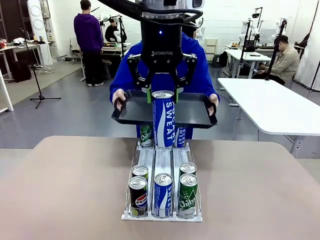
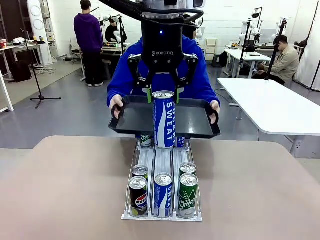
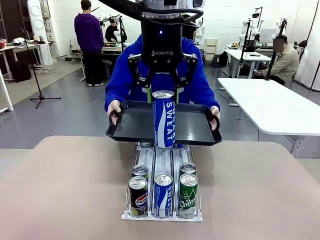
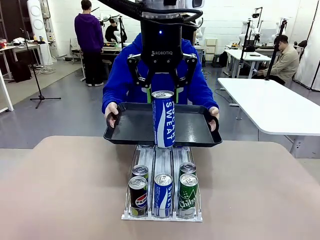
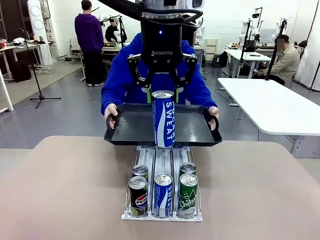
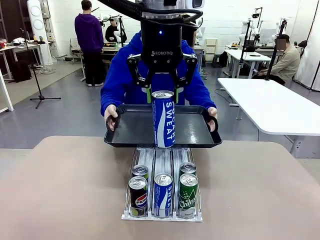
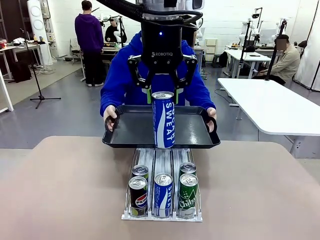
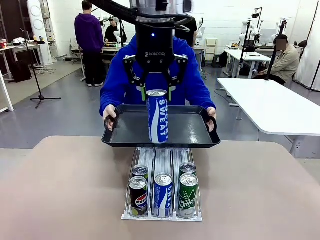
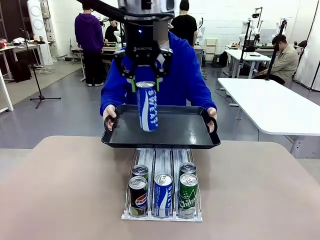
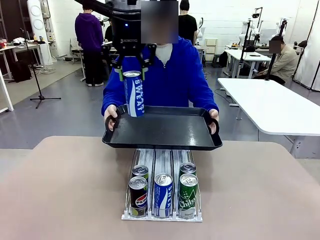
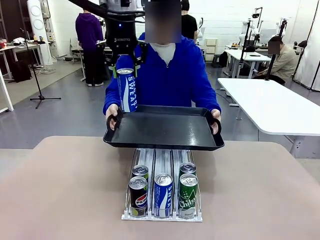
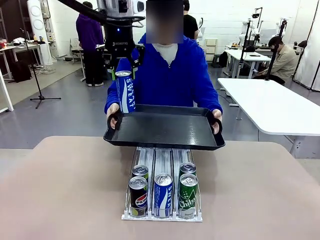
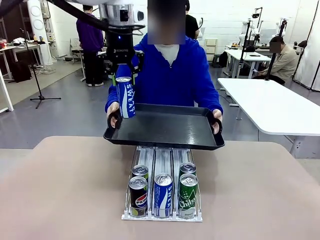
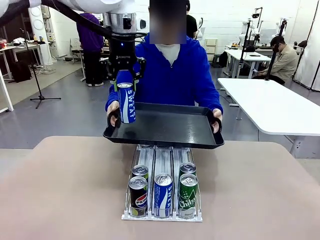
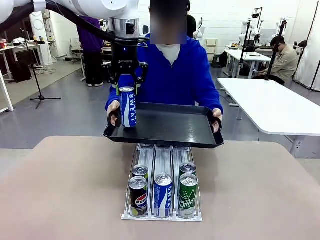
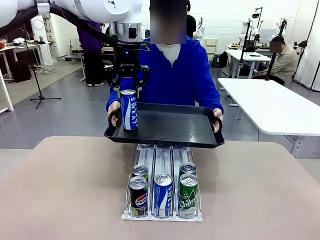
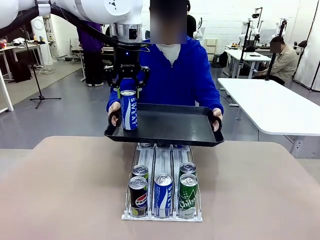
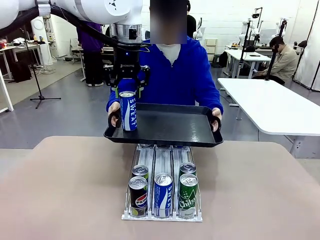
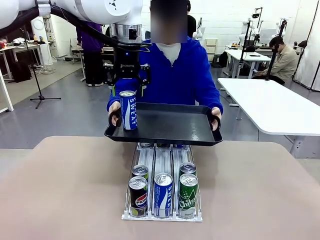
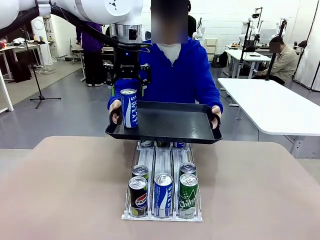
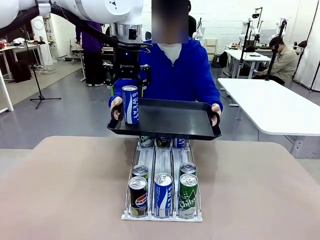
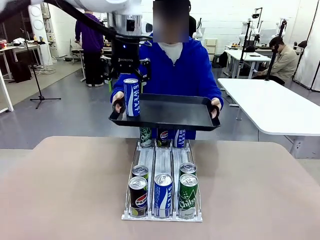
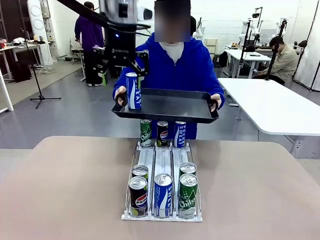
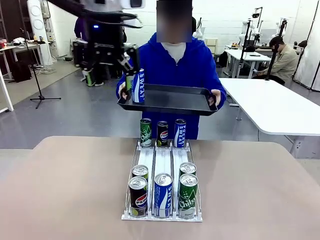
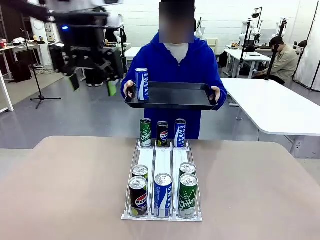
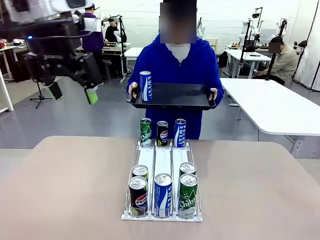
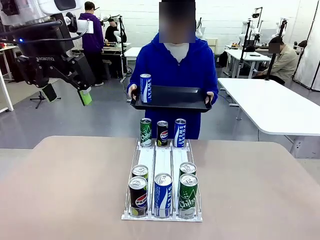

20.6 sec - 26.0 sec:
Task: Retrieve and hand over the desired beverage to the person.
Robot: Place the picked can on the Handle tray extended by the person.

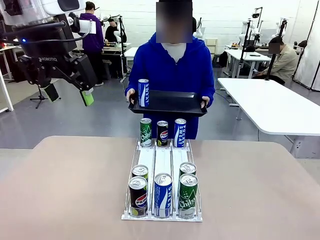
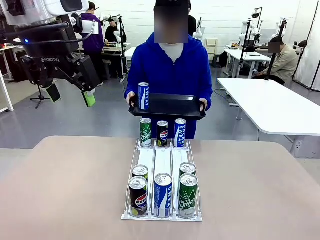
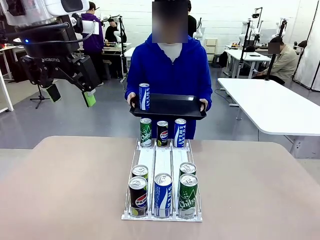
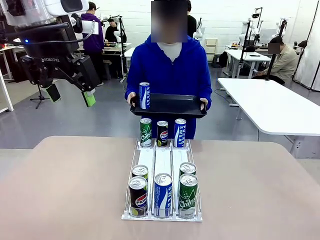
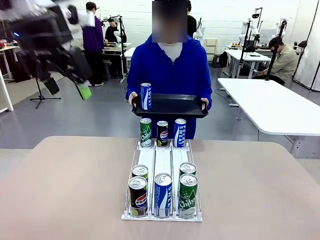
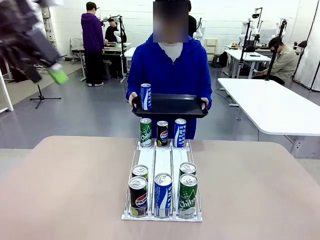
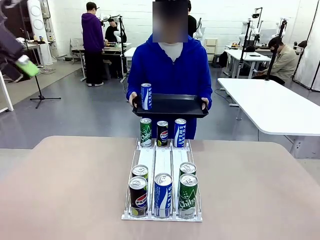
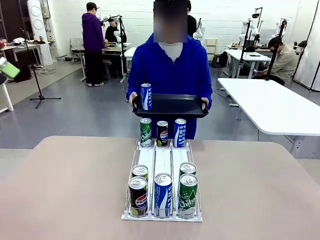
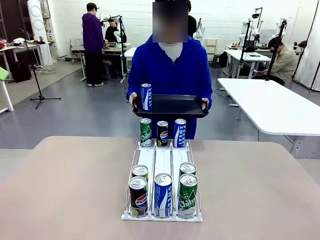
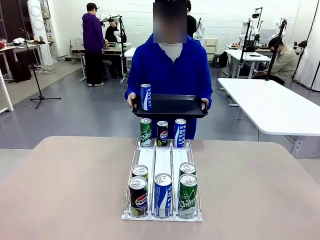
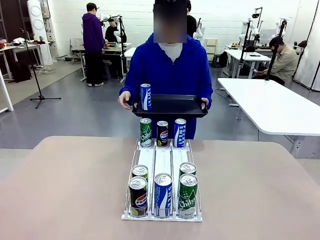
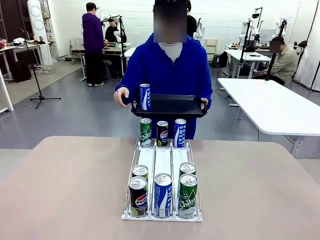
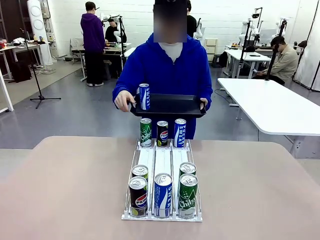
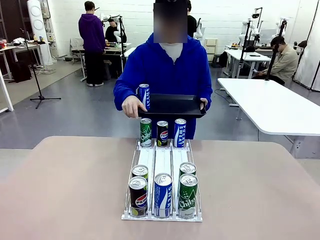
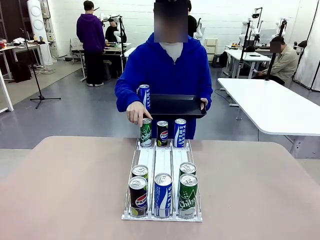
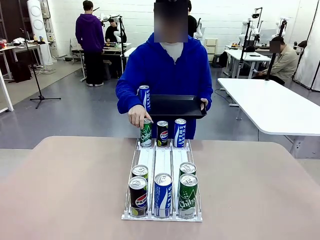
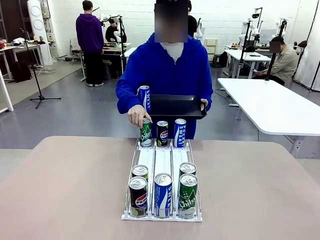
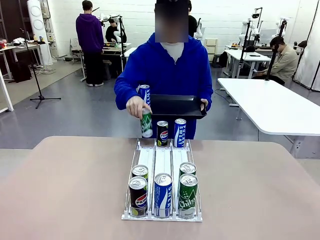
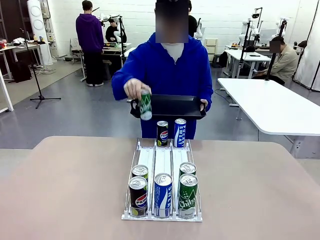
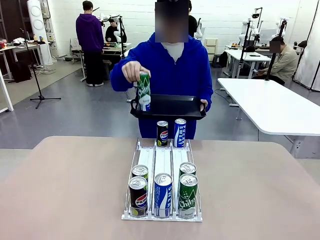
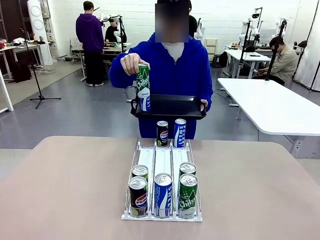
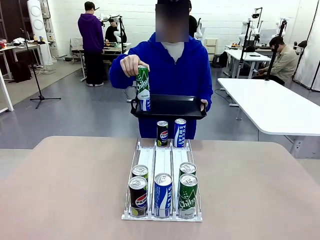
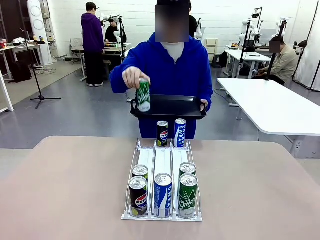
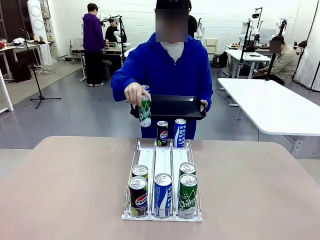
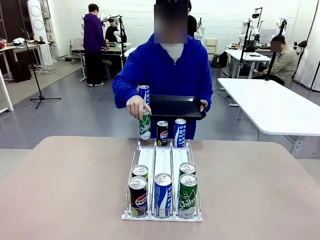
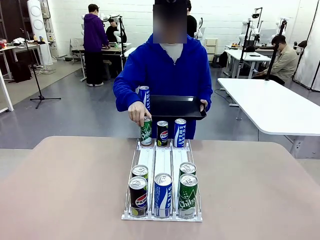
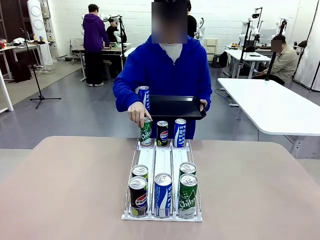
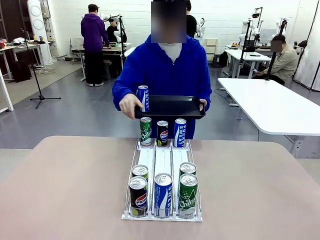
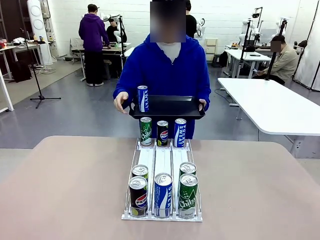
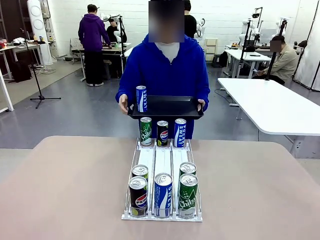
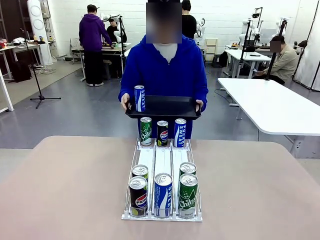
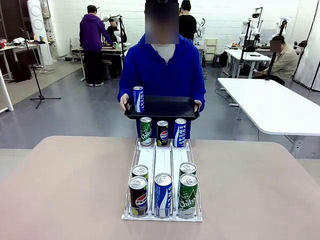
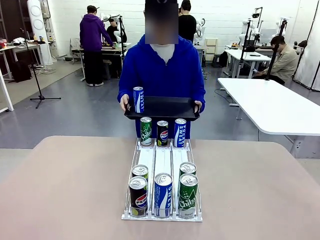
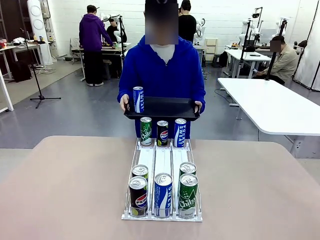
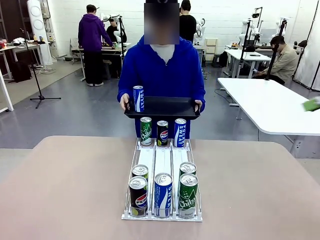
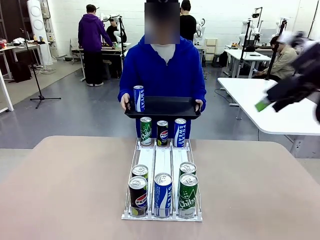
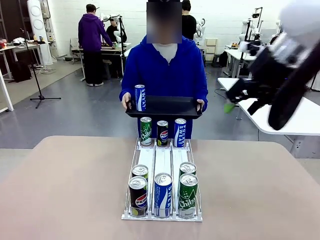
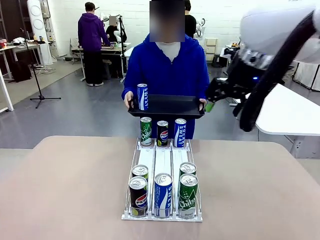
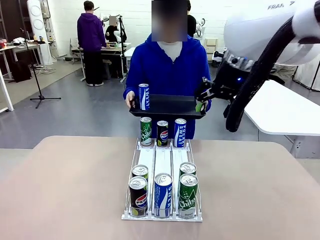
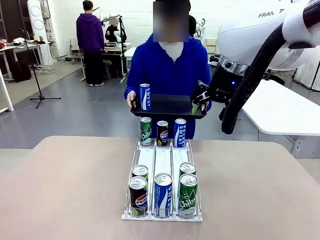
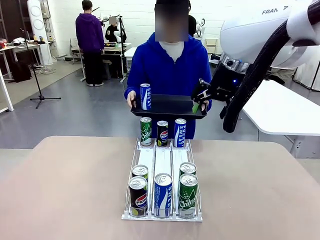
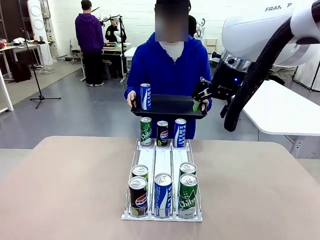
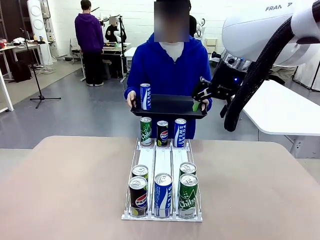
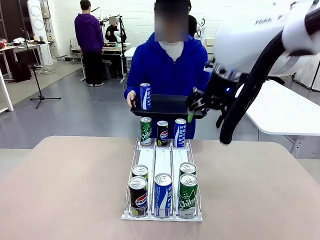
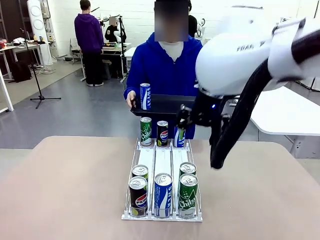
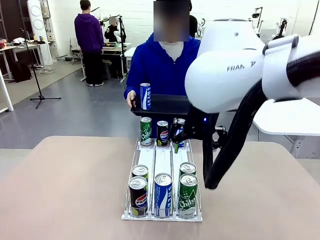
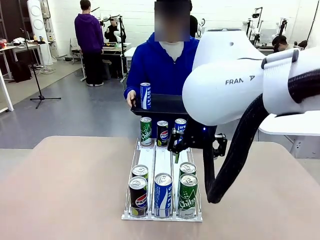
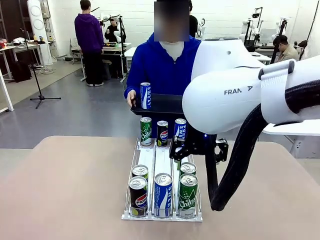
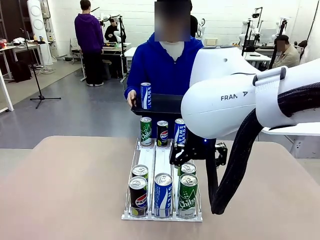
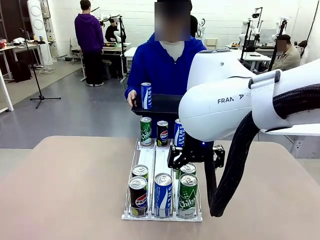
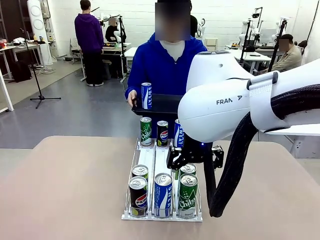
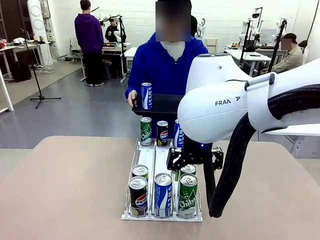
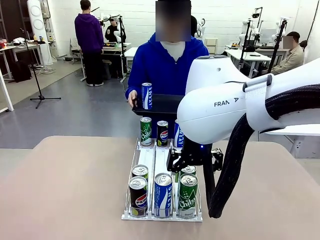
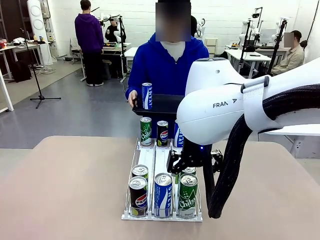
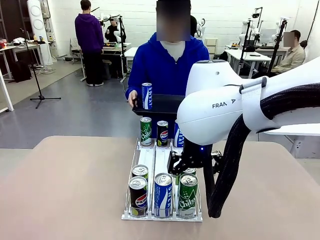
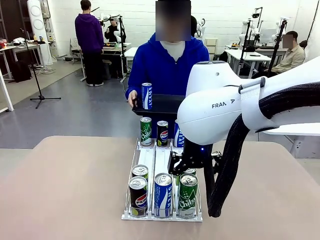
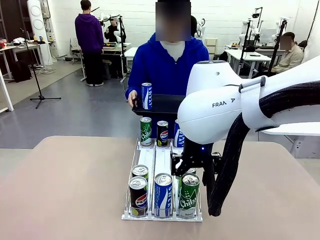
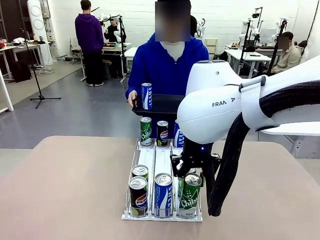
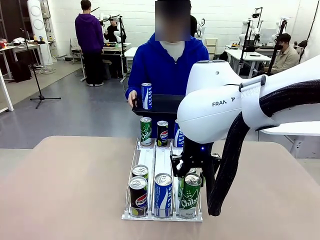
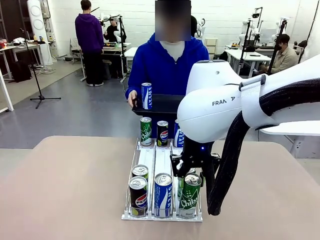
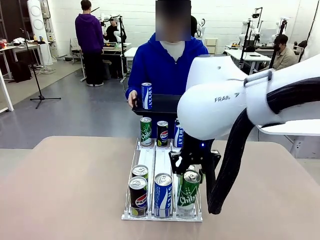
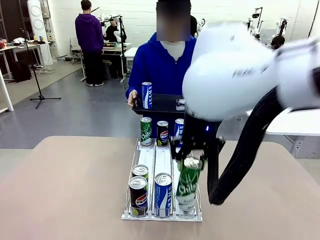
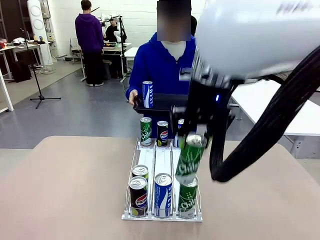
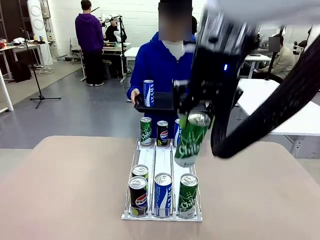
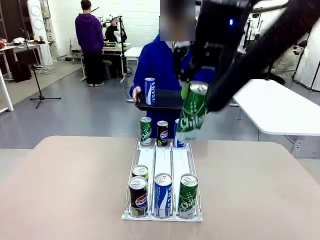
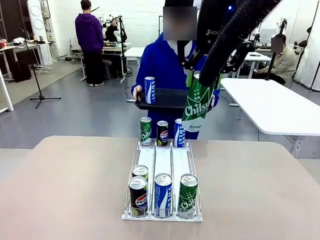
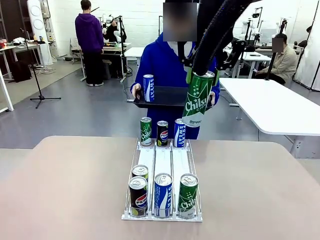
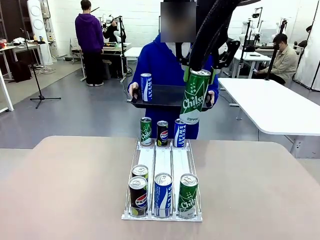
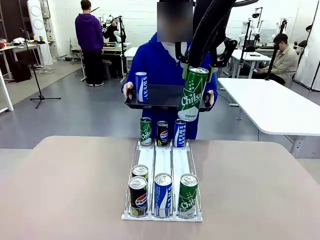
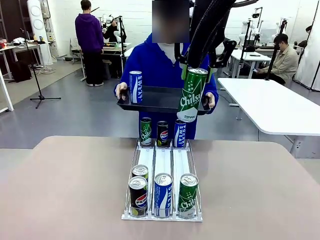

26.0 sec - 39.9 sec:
Robot: Pick up another can of the same type that the person held from the Automatic Can Dispenser.
Person: Pull the tray back, then pick up another can from the bottom area of the table and puts it back in its original place. Push the tray toward the robot again.
